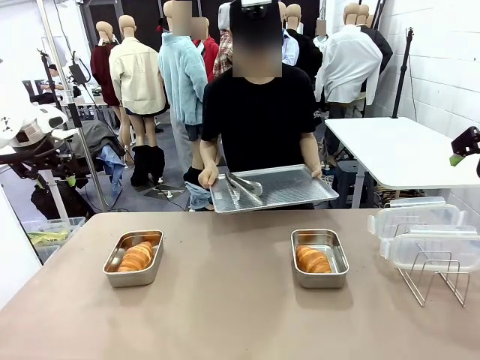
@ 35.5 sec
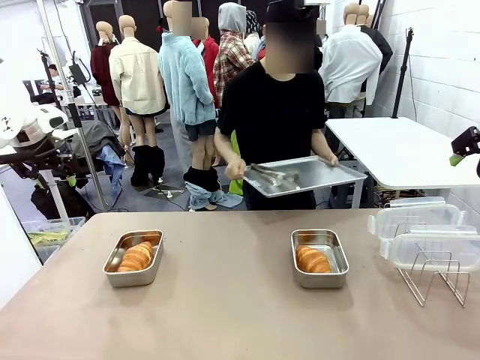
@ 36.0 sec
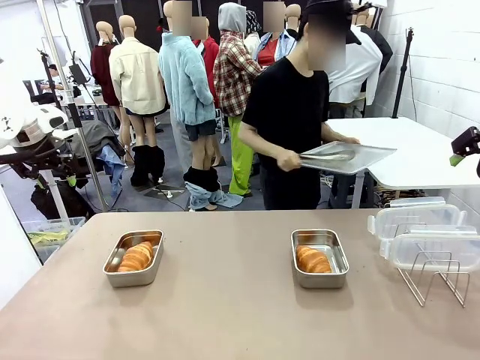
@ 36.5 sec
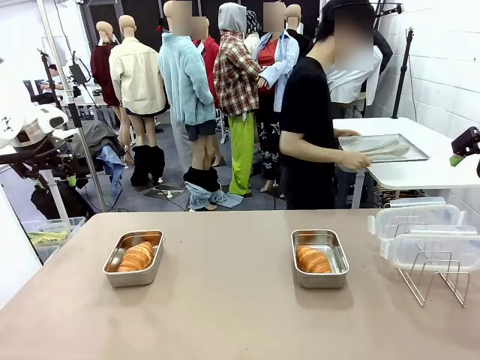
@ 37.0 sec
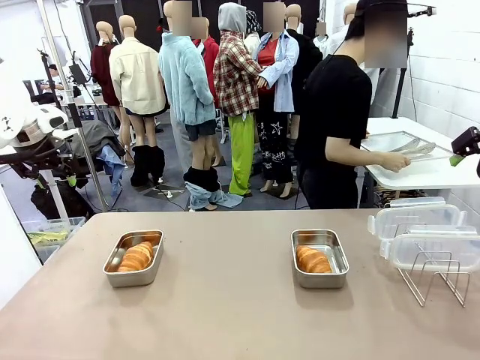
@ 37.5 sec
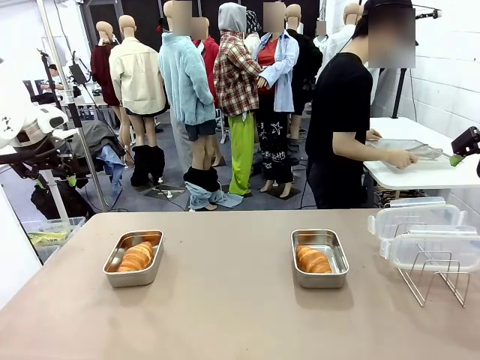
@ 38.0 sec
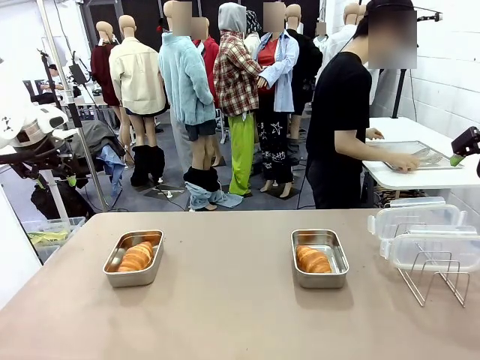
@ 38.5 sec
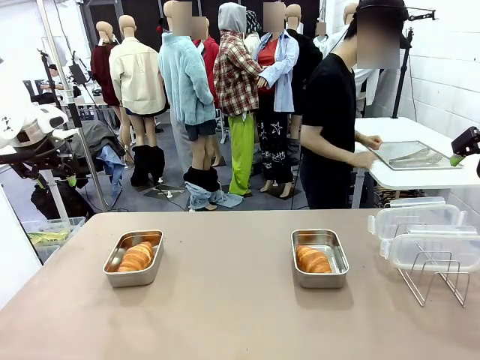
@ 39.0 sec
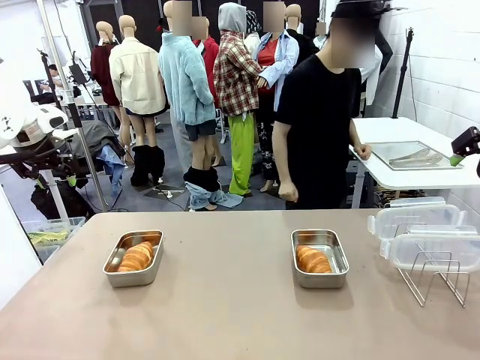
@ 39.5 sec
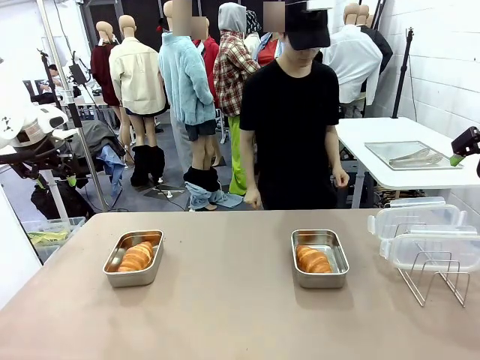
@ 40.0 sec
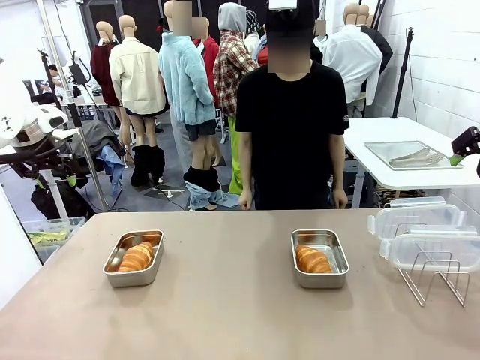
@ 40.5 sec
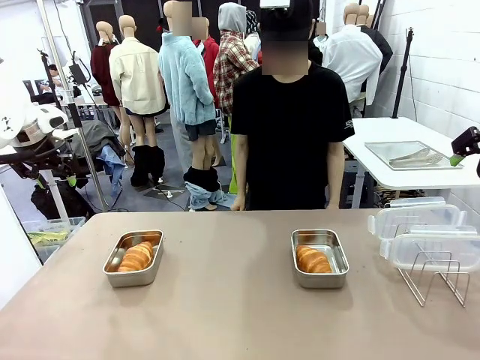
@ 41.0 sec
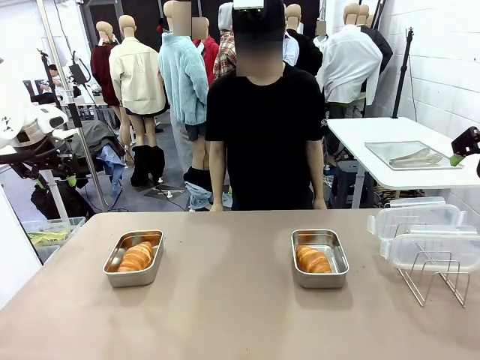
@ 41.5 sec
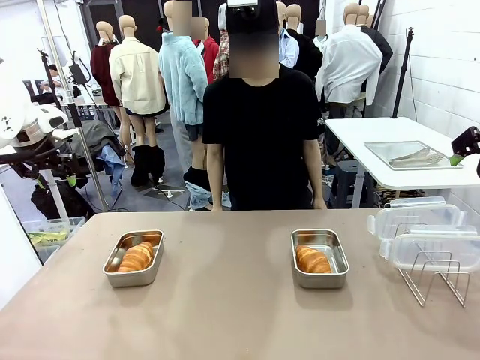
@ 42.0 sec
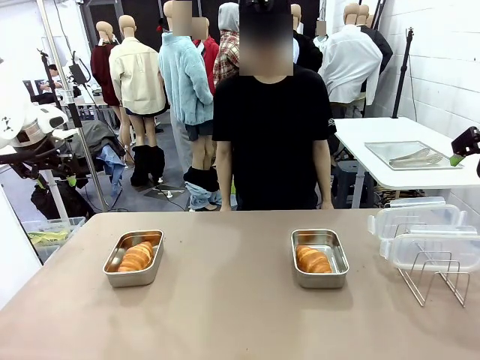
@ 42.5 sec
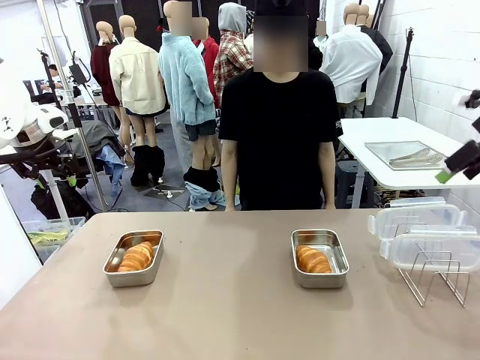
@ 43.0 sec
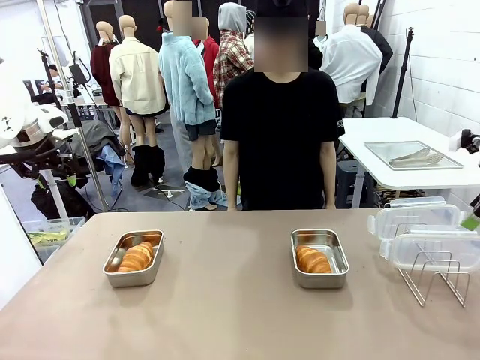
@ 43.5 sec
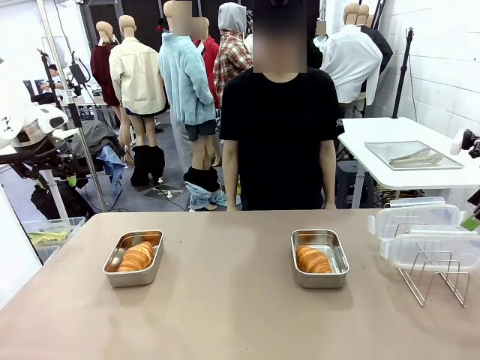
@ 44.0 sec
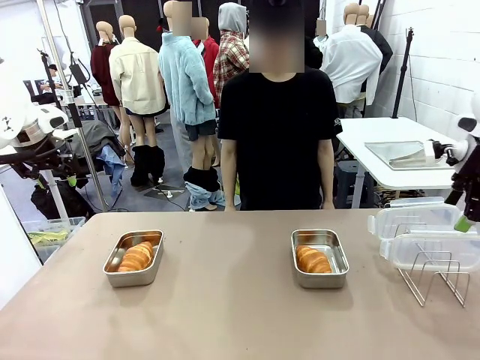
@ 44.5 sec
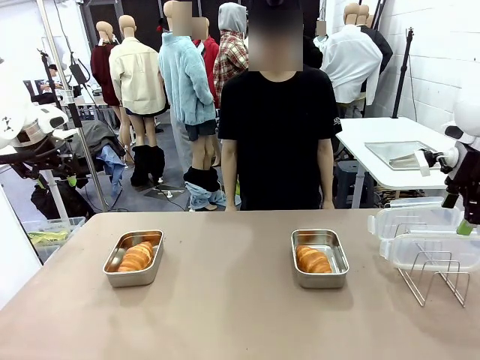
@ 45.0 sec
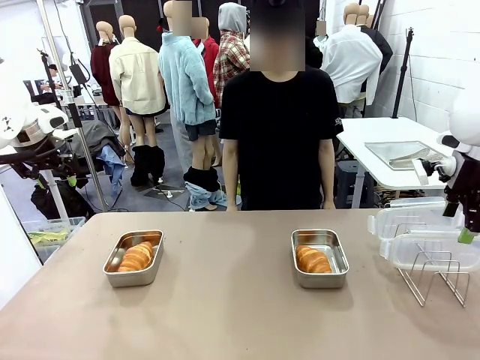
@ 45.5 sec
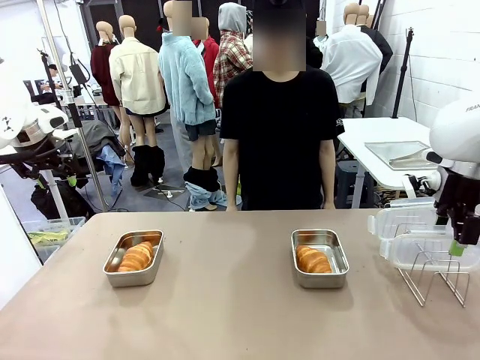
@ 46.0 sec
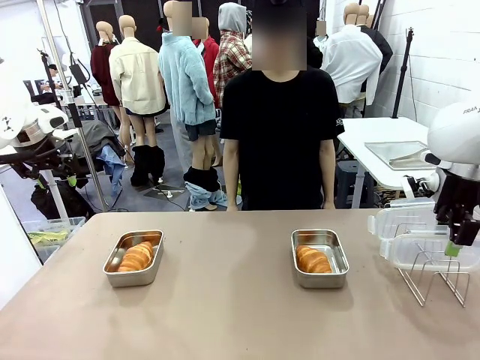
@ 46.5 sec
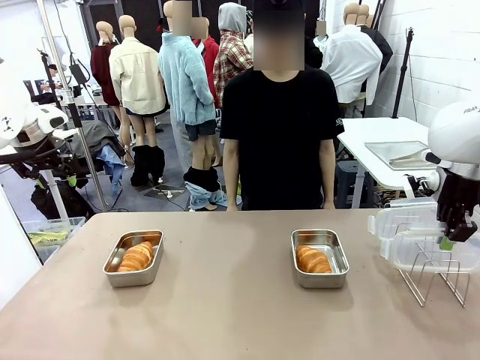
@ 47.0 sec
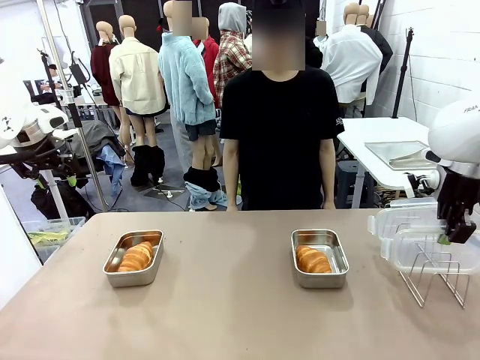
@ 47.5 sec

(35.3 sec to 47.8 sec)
Task: Place the bread in airtight containers.
Robot: Pick up one Airtight Container lid and hand it to the human.
Person: Place Baking Sheet on the Human's Table. Grip Airtight Container lid that robot is handing.

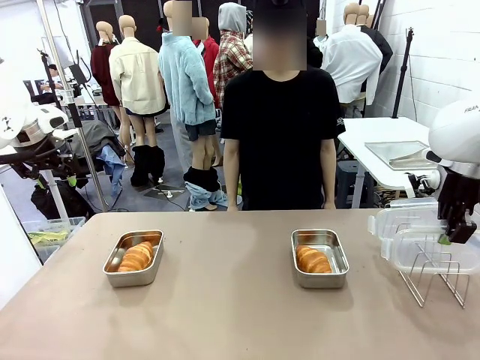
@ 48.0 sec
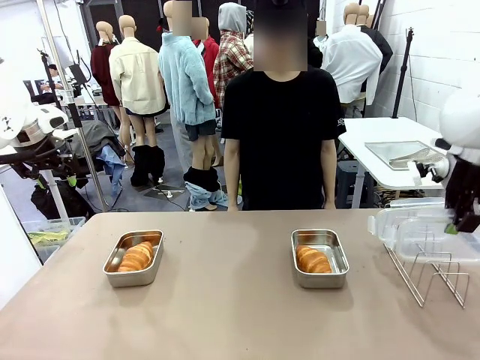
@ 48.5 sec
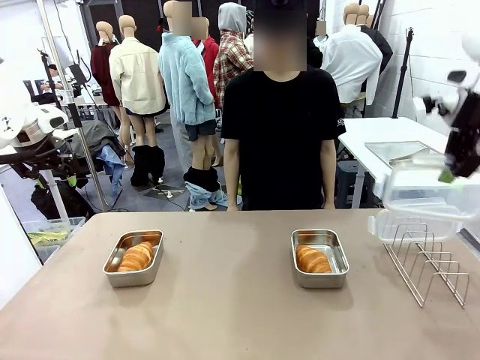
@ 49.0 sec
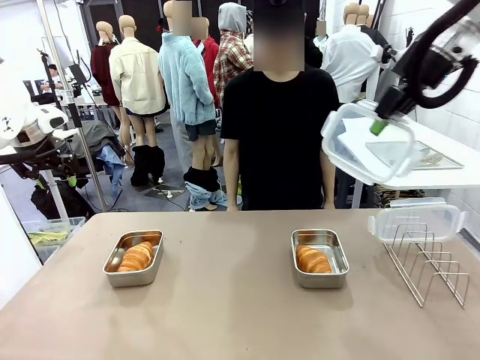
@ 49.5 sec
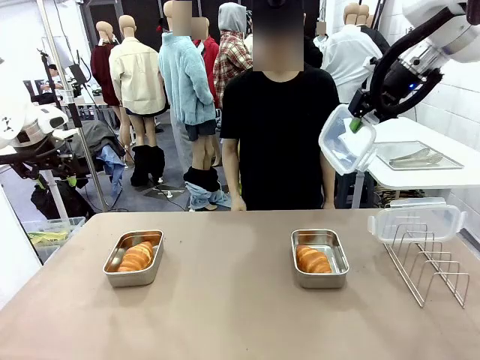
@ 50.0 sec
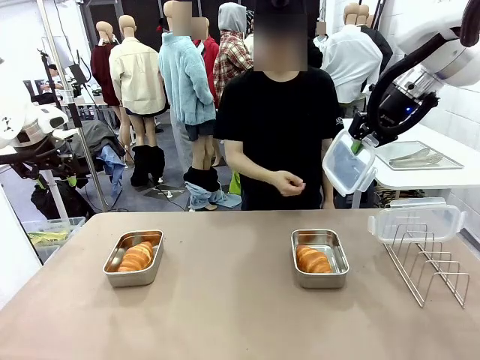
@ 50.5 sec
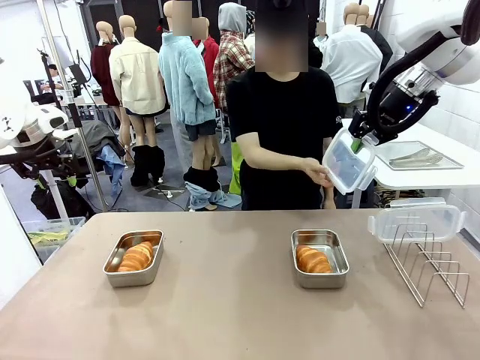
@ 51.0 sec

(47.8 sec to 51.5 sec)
Robot: Release when the human grabs the Airtight Container lid.

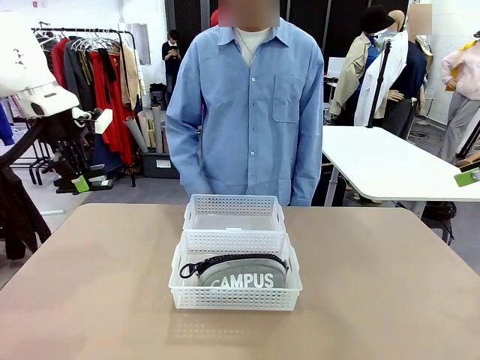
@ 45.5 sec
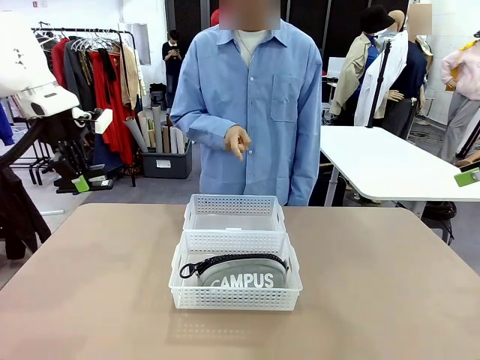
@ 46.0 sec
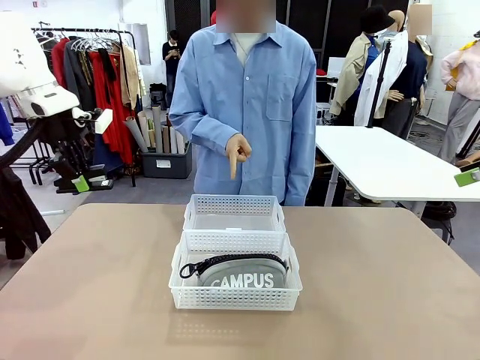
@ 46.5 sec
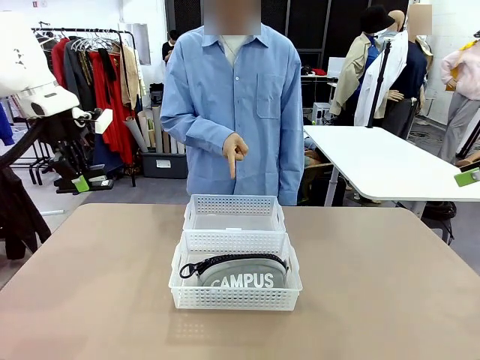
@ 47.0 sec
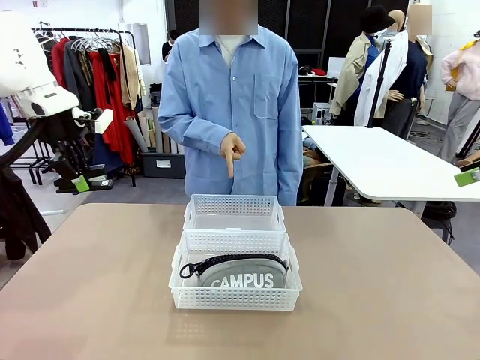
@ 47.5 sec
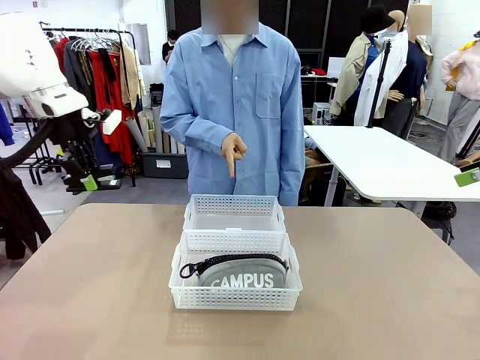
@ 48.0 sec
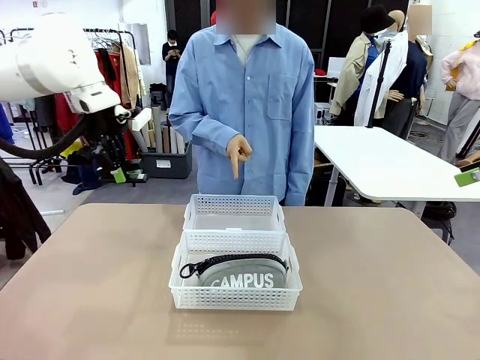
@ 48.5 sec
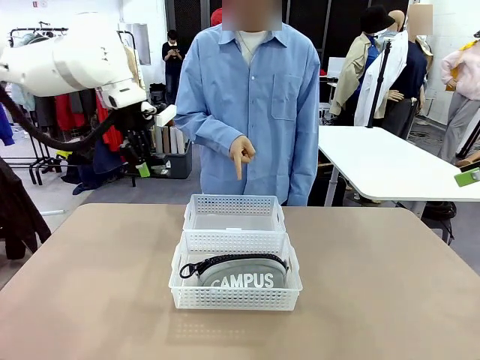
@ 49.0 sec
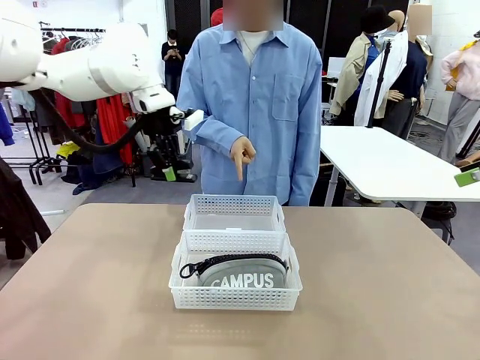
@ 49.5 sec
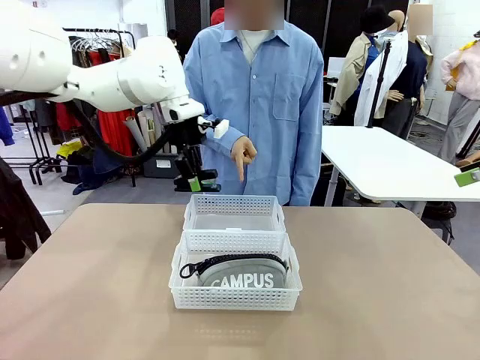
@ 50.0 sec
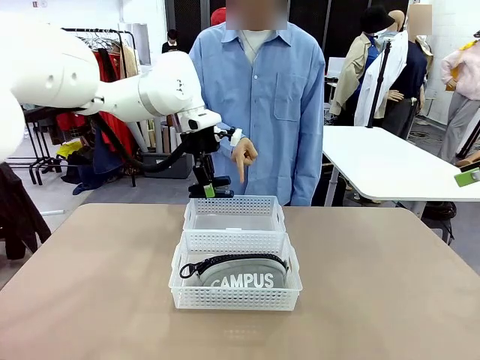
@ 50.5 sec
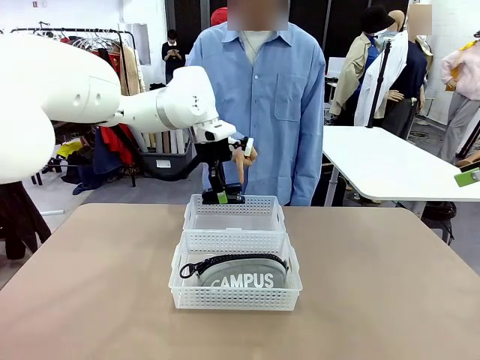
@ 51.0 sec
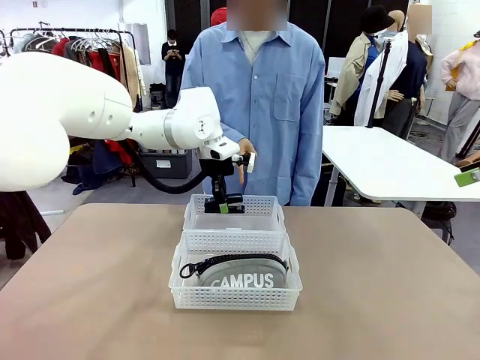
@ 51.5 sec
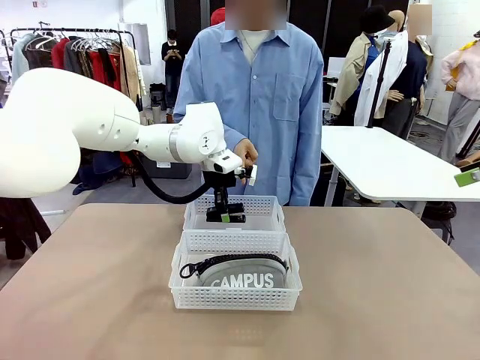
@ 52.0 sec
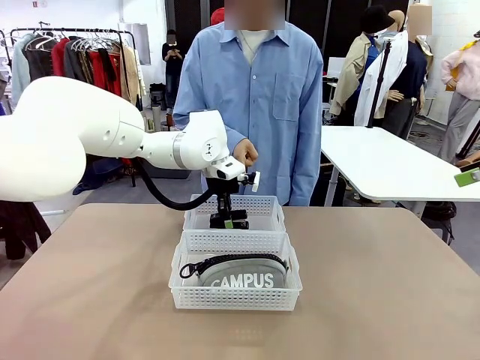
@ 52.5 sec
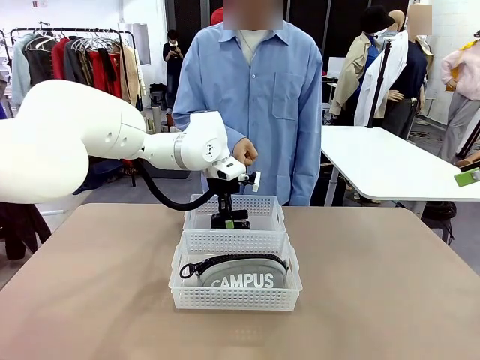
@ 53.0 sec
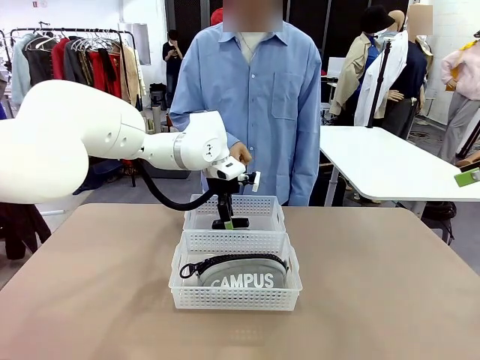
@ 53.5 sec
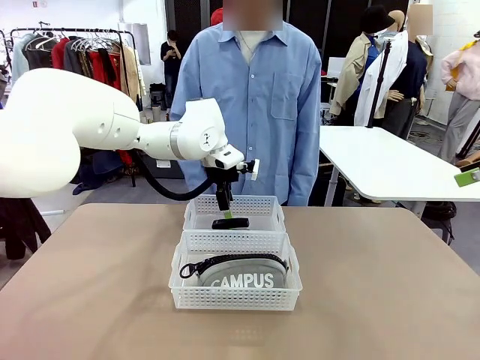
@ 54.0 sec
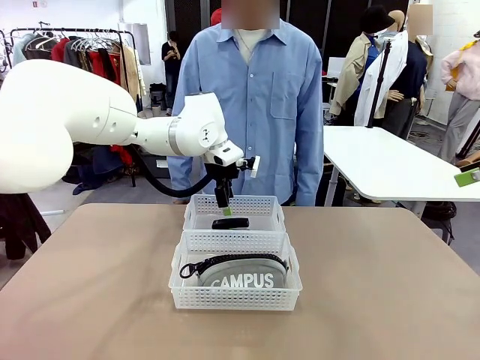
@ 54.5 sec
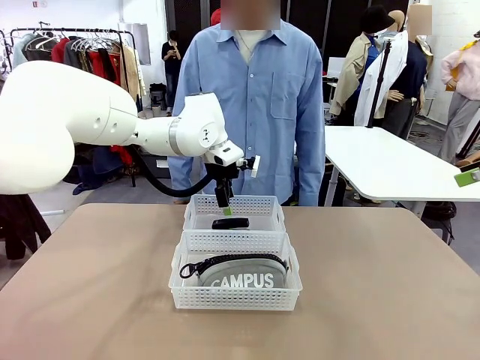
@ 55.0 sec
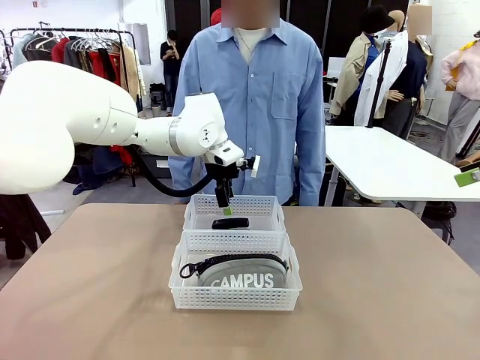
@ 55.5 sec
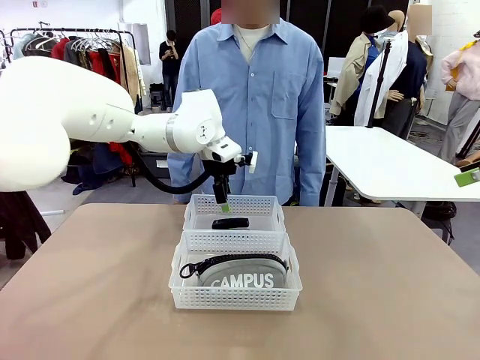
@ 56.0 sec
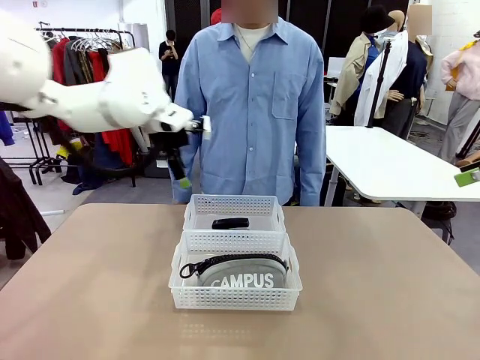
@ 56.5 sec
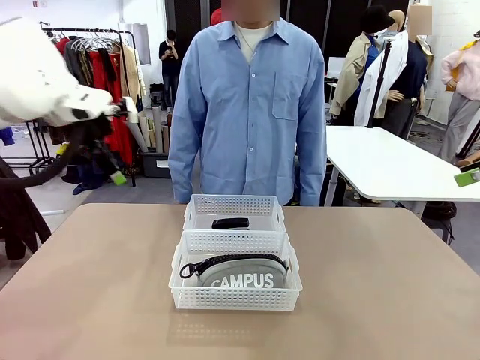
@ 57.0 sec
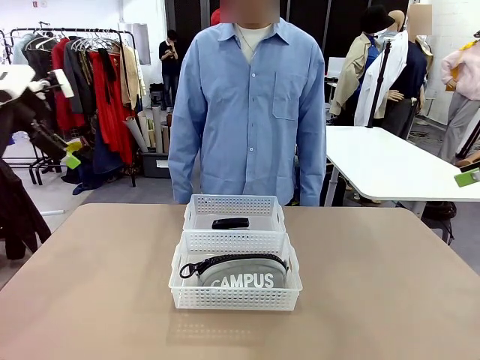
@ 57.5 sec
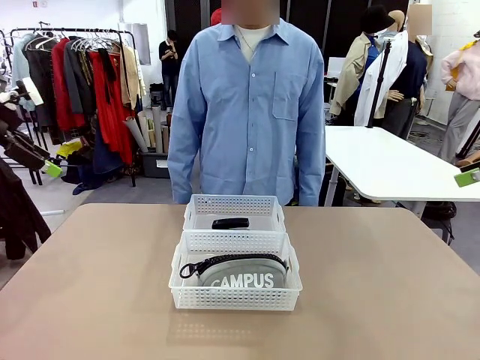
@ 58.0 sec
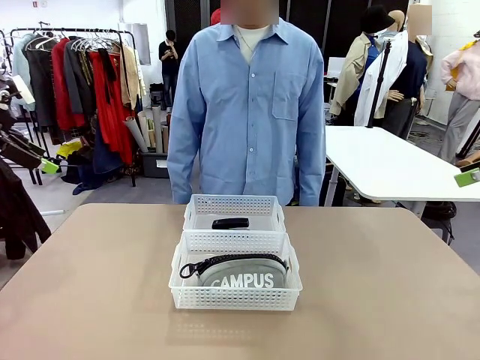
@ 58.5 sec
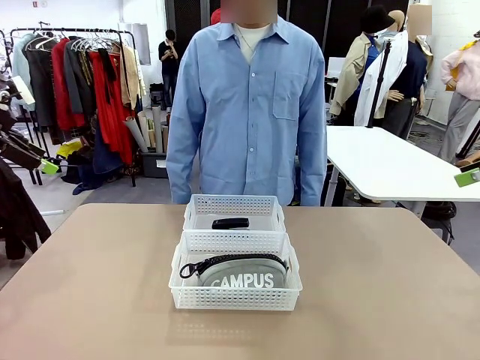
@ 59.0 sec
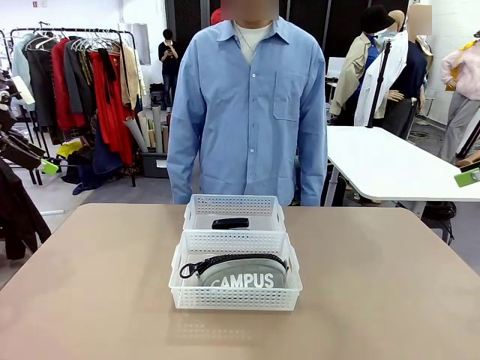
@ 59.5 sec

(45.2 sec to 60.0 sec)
Task: Distribute items into two baskets.
Robot: Place the picked Stapler into the Organizing basket as instructed by the person.
Person: Points to the basket that does not contain the pencil case and instructs the robot to move the stapler there.
